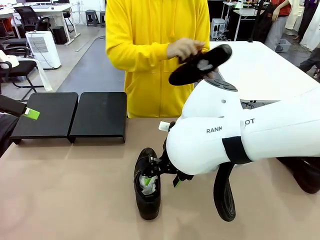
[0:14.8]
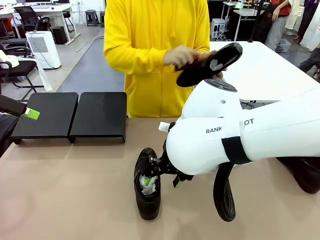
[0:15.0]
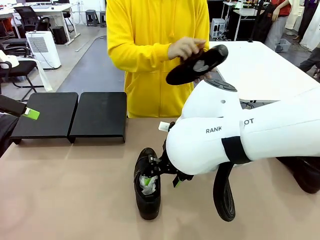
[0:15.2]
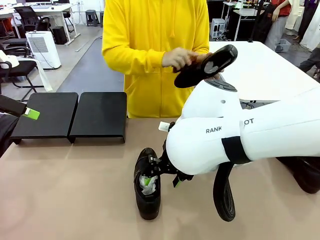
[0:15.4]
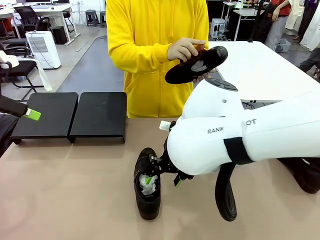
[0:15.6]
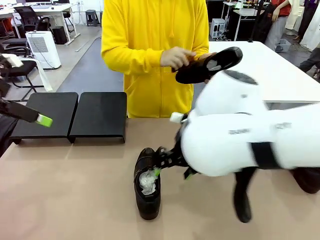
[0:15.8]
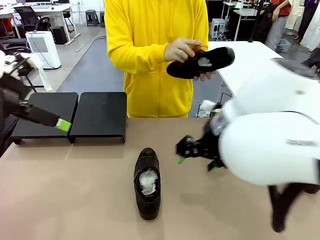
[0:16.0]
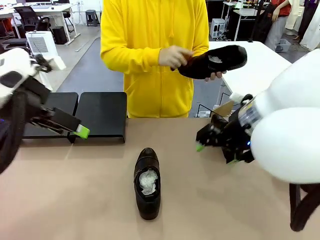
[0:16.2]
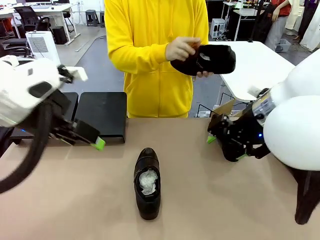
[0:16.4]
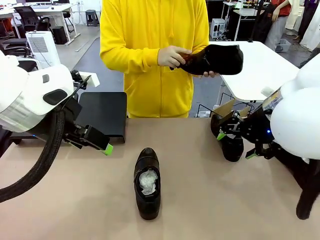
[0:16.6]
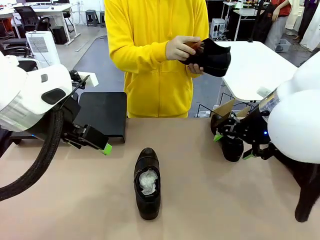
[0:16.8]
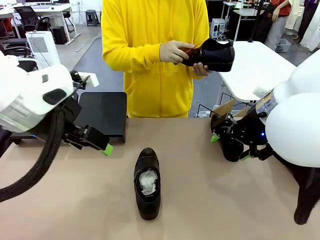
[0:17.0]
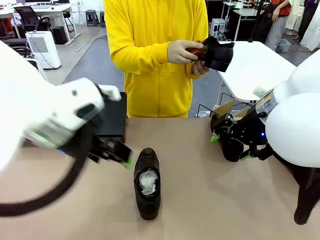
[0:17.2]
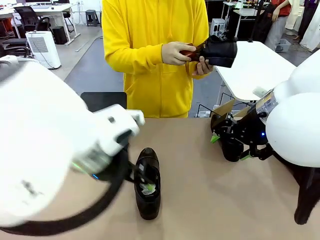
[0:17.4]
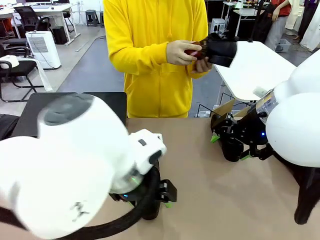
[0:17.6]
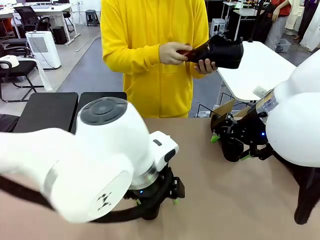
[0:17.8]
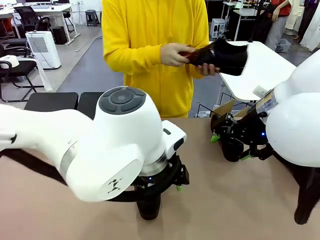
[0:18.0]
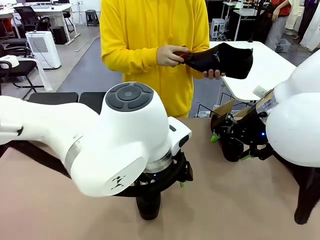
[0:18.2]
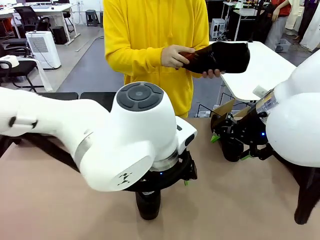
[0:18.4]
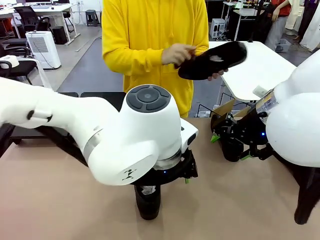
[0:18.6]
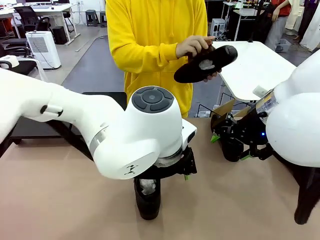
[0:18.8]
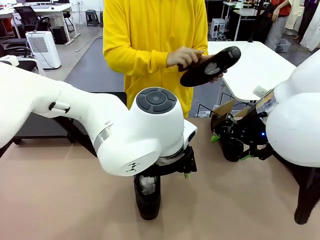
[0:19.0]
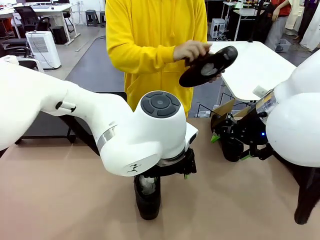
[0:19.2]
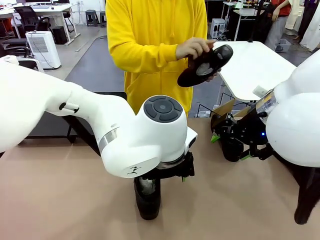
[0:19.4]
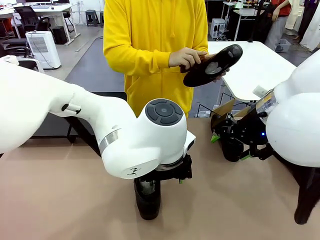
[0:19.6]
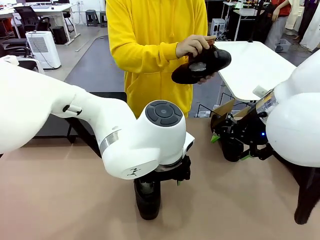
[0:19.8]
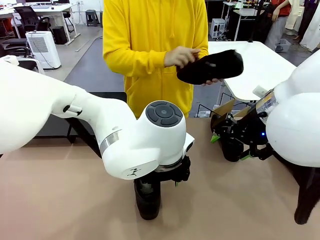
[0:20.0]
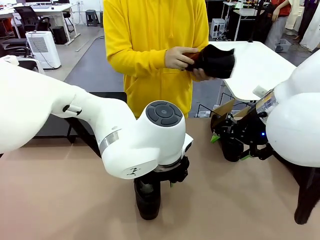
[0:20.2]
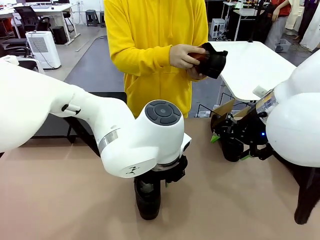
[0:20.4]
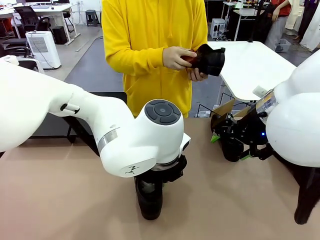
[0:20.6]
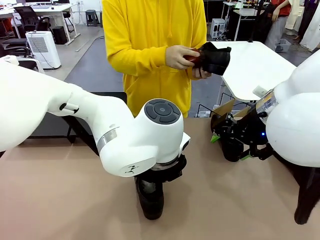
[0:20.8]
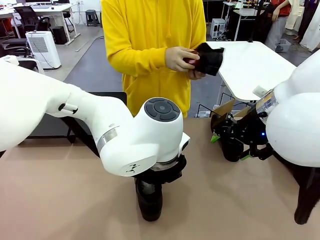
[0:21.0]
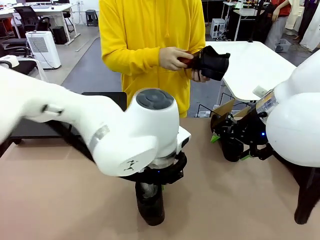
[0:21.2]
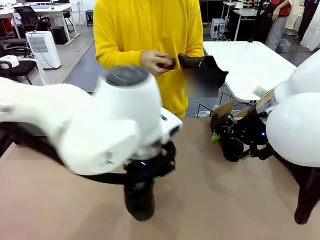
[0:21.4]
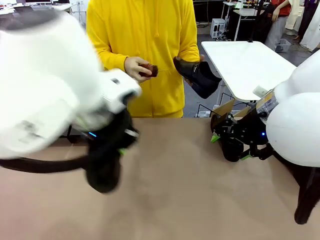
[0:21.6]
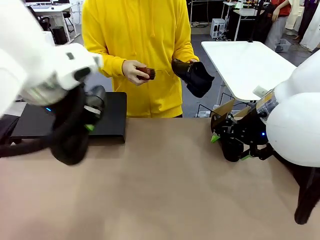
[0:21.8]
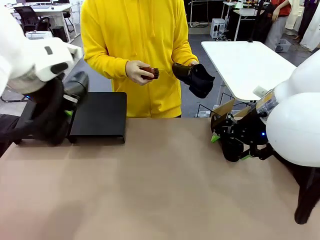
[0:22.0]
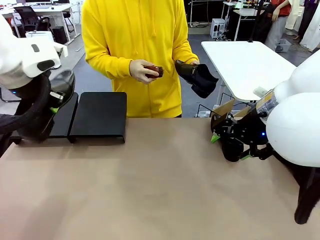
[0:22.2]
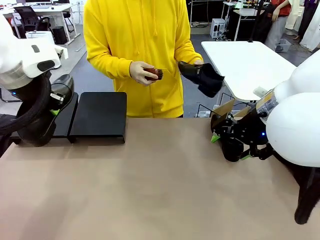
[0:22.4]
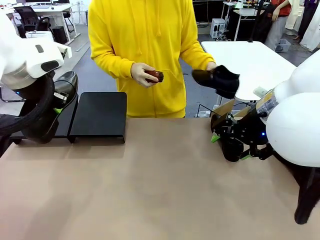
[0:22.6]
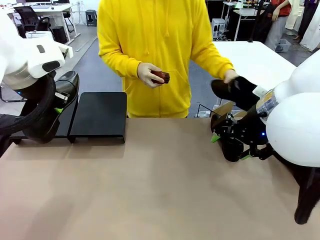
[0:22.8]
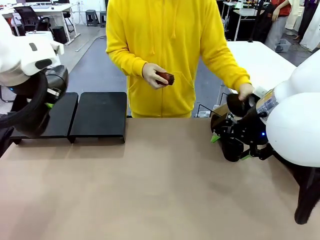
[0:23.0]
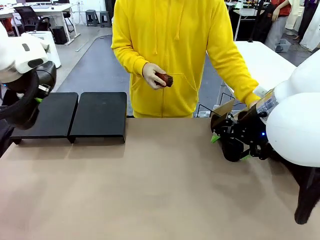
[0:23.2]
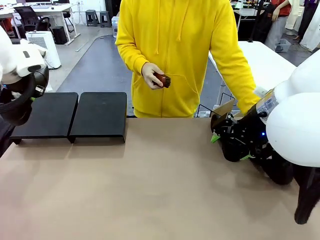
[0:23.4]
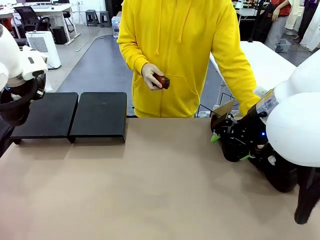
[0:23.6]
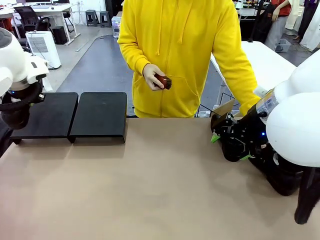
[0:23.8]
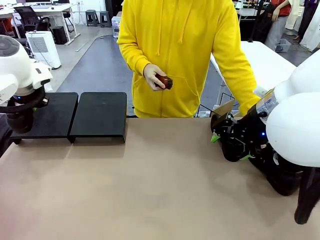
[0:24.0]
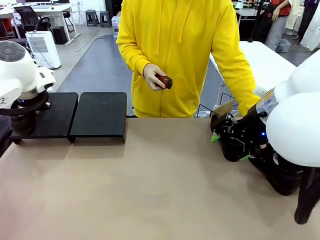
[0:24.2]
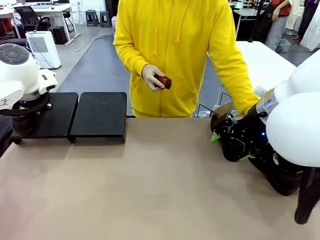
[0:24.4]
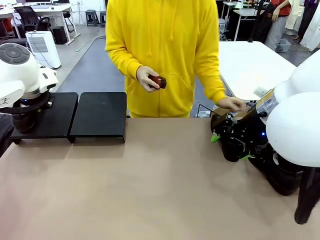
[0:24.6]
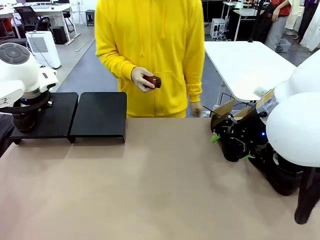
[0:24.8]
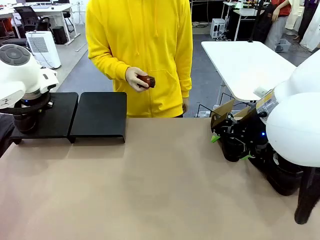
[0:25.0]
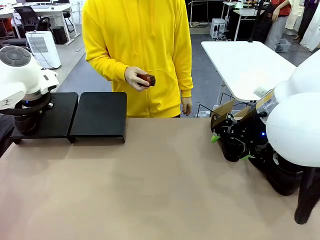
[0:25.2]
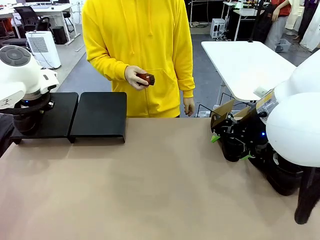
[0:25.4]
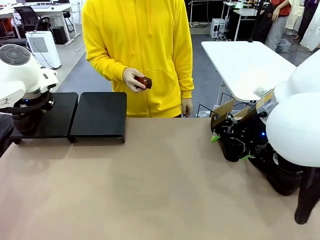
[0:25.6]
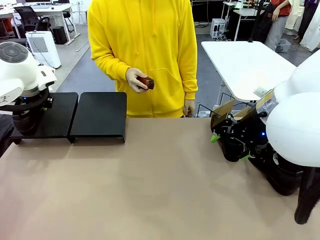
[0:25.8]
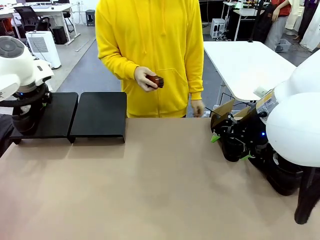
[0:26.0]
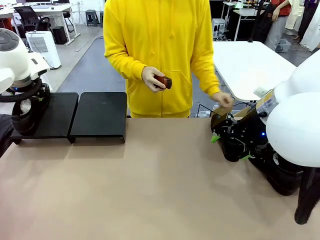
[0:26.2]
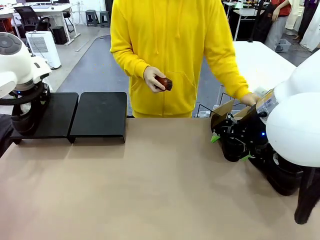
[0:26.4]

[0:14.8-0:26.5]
Task: Organize the shoes by placing them on the stand.
Robot: Place the Shoe from the middle of the table onto the Shoes Stand.
Person: Place the Shoe on left side of the Robot's table.

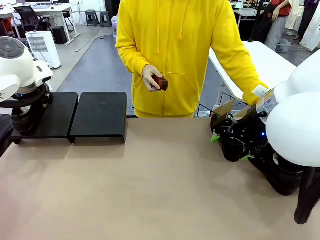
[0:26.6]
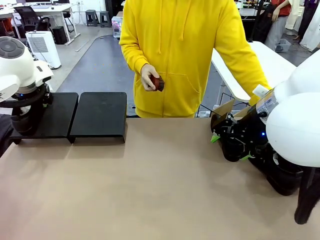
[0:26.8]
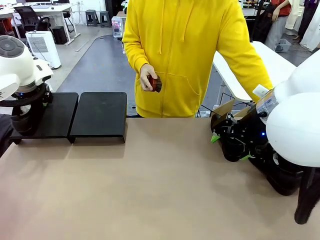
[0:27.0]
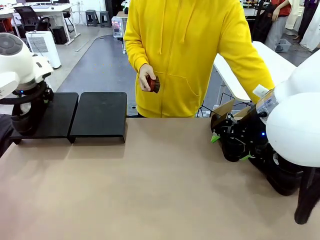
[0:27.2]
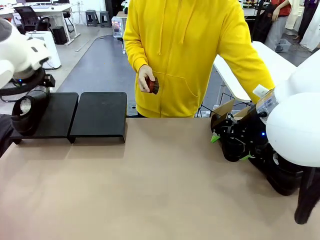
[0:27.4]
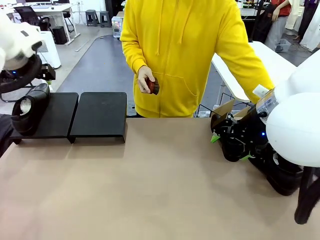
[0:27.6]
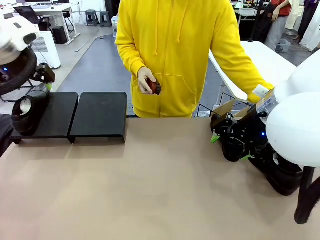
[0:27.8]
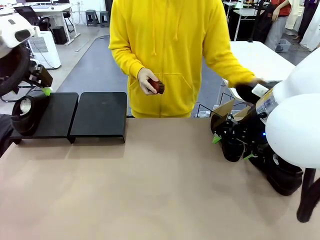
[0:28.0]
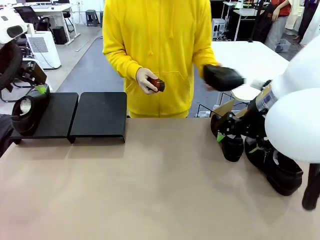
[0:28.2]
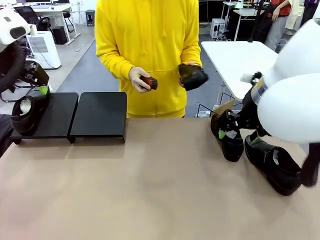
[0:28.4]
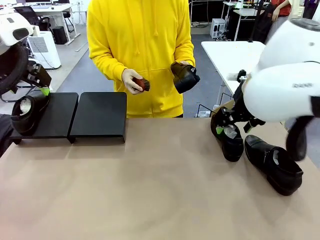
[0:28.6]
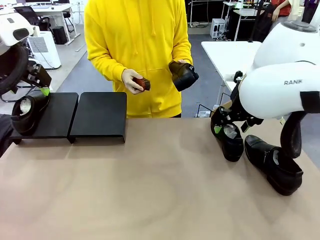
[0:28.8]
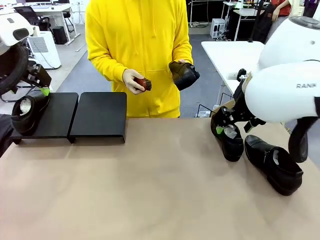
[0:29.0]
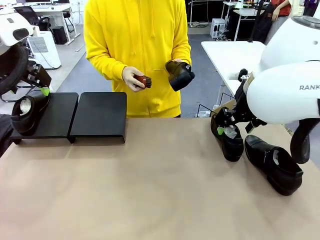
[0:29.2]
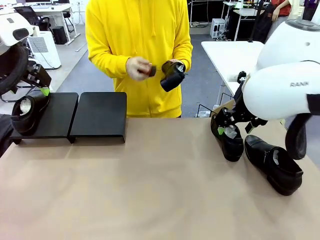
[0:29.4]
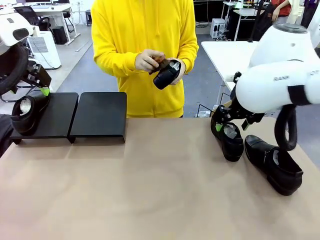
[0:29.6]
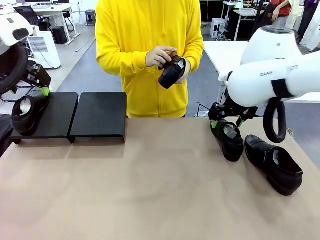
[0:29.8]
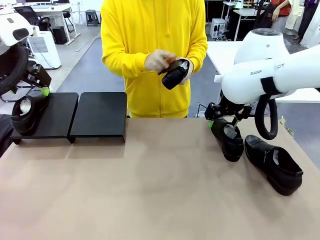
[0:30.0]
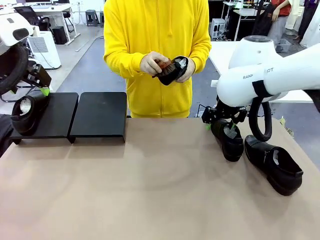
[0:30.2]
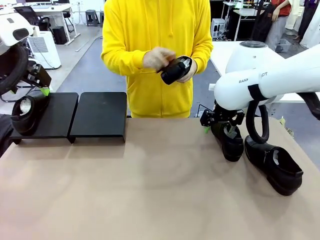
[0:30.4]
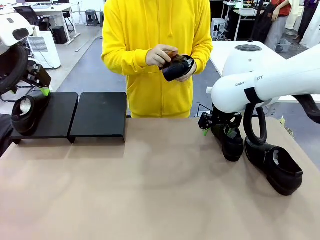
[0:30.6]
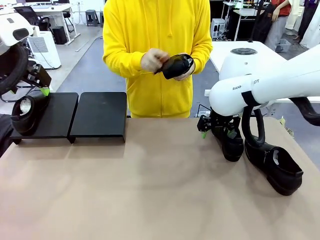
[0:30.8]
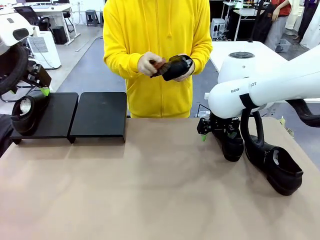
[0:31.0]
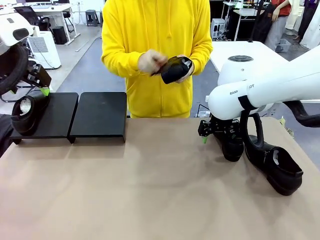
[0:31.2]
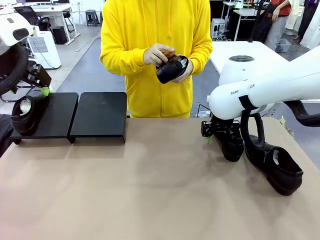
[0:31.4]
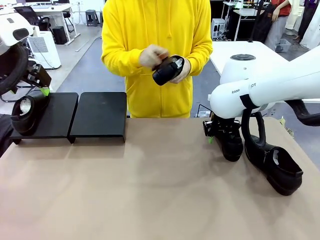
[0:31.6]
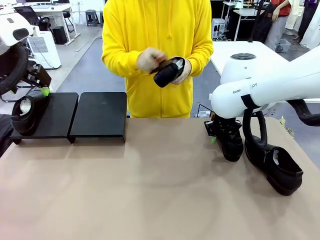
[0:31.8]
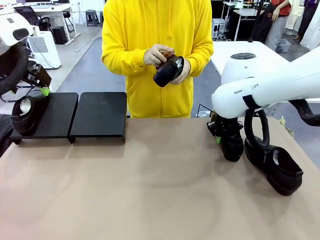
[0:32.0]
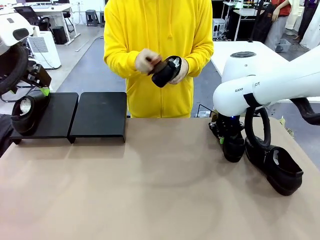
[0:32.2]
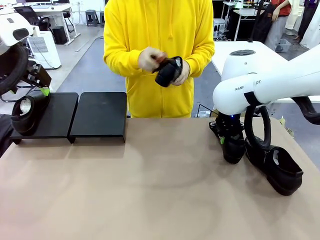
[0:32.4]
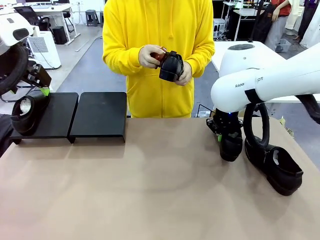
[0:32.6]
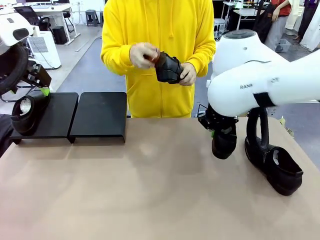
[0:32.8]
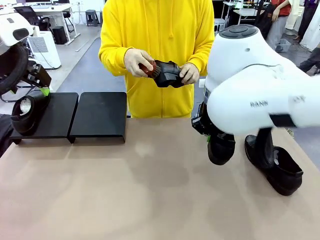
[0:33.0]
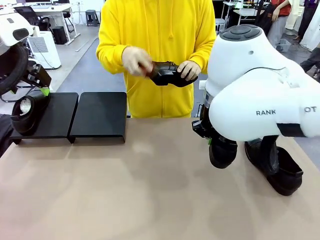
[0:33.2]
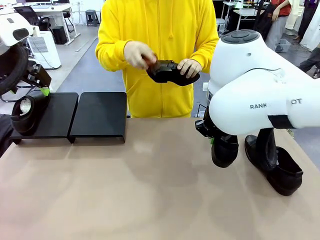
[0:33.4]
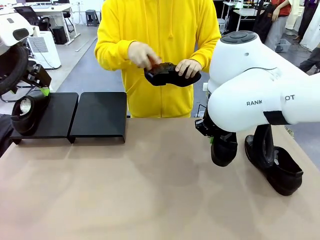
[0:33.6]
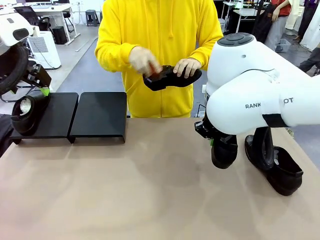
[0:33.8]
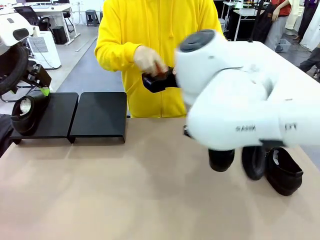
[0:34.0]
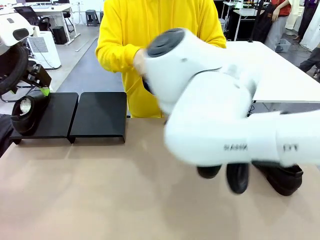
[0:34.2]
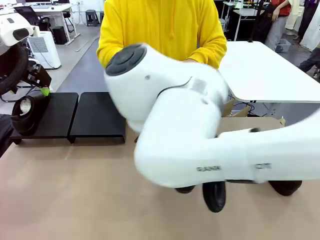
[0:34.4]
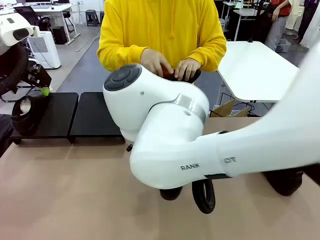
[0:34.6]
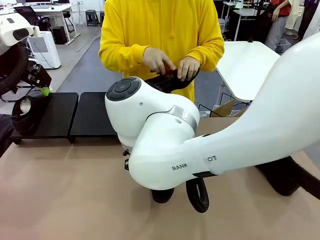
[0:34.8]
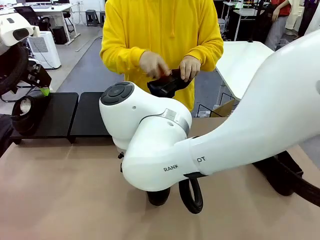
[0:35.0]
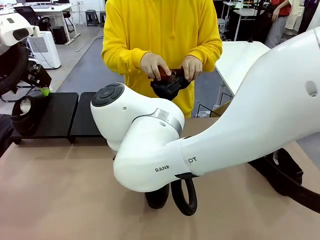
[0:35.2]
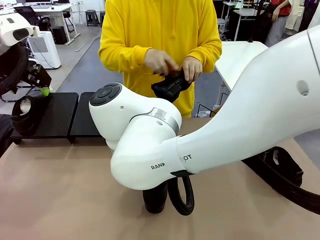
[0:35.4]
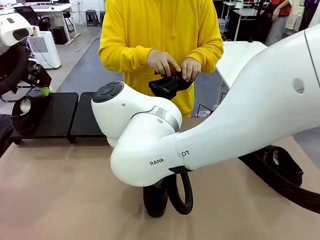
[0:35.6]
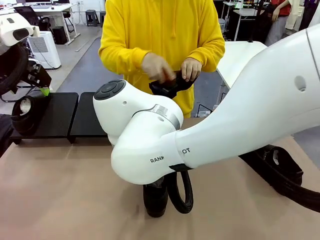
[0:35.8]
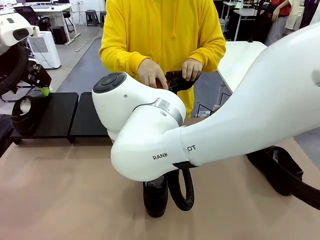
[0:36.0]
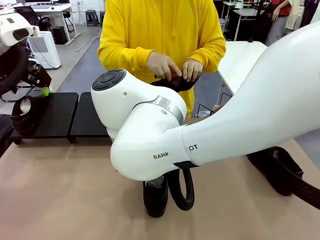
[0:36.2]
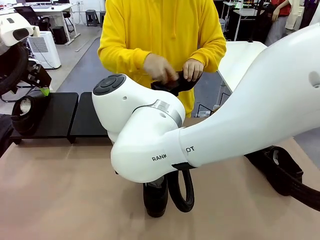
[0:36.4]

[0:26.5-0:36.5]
Robot: Pick up one Shoe and place it in the middle of the table.
Person: Pick one Shoe on Robot's table.
